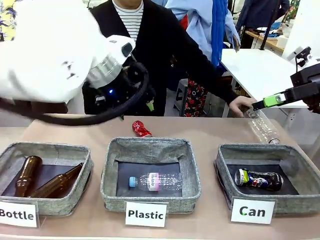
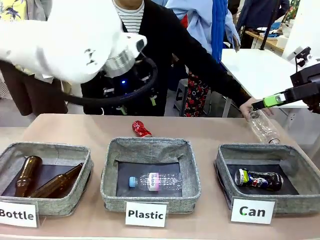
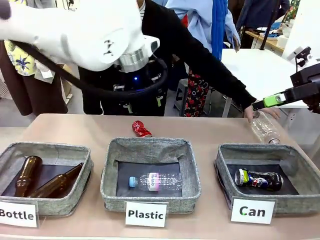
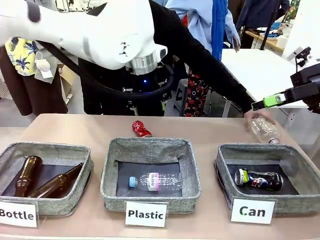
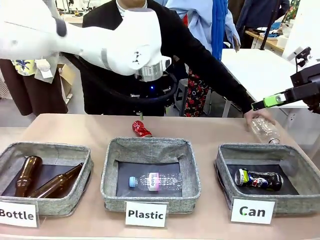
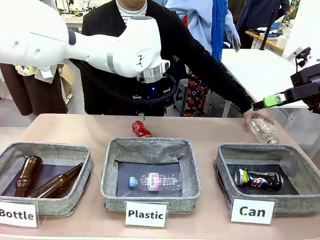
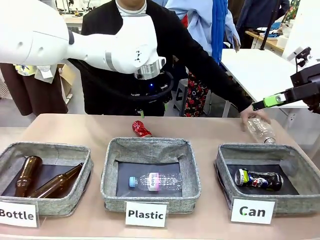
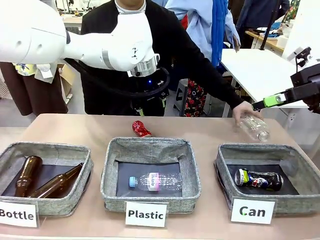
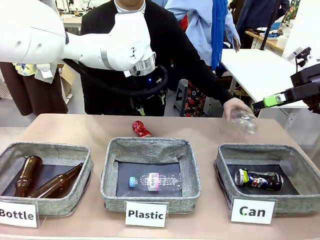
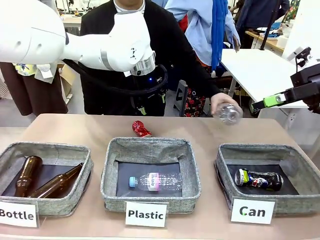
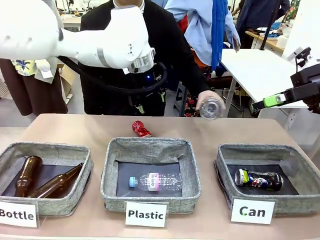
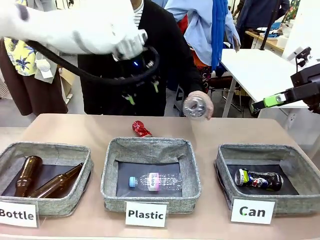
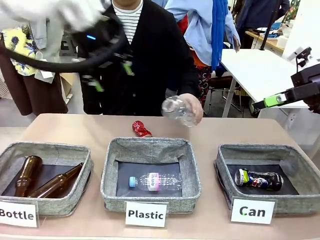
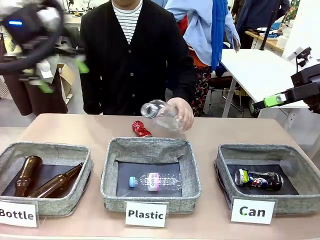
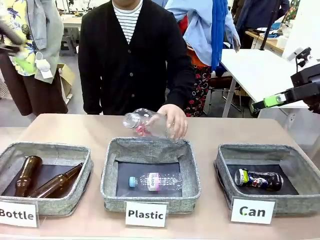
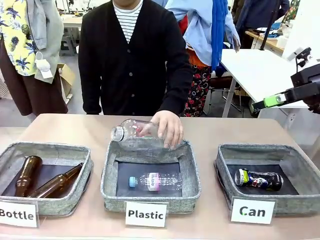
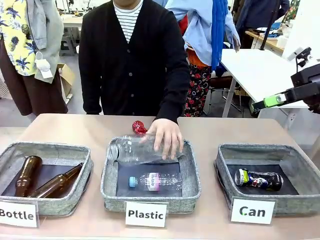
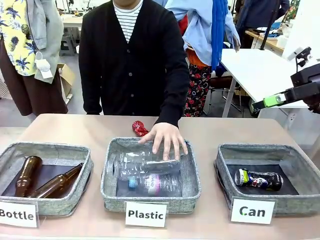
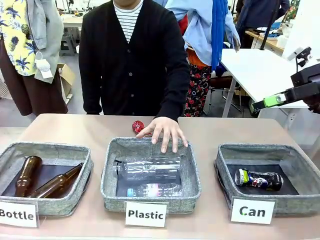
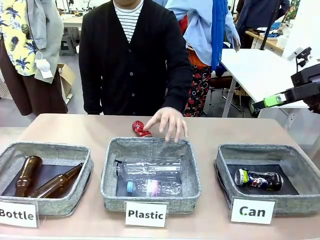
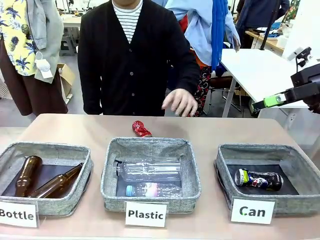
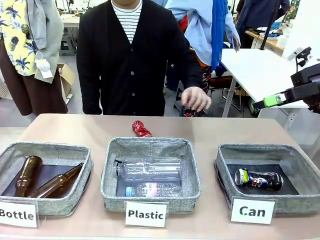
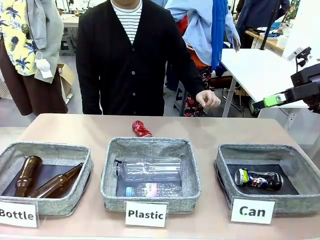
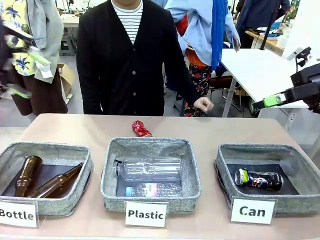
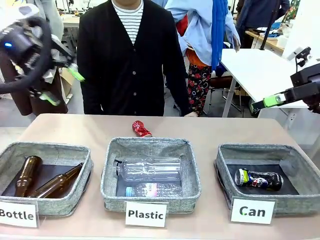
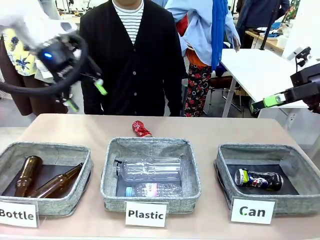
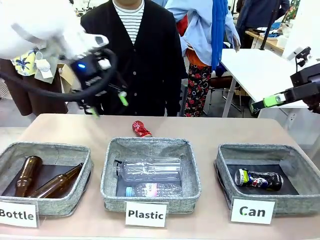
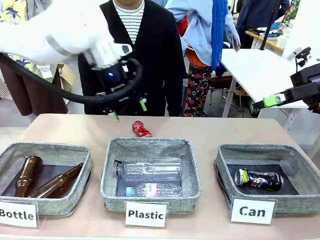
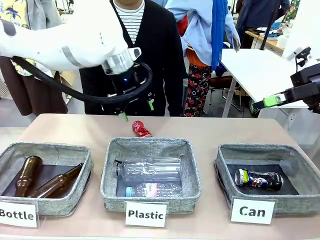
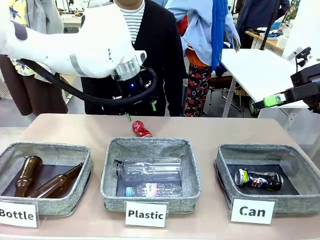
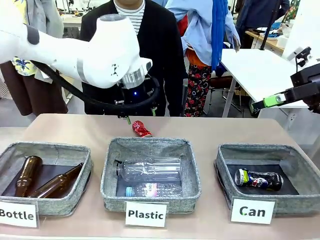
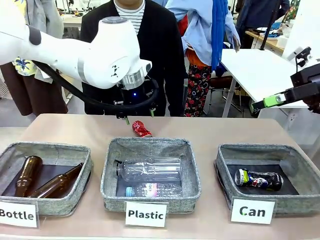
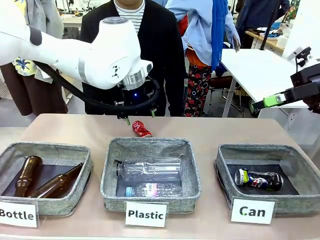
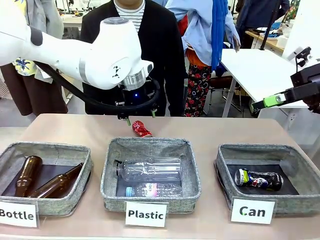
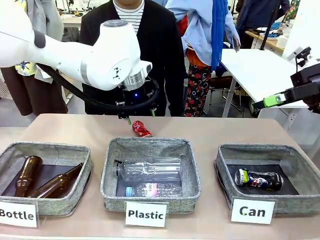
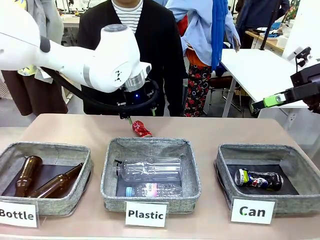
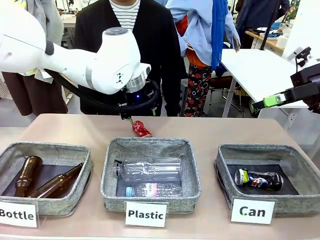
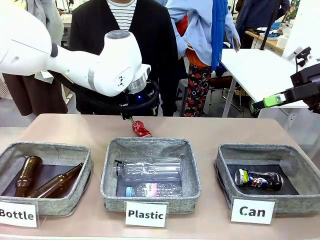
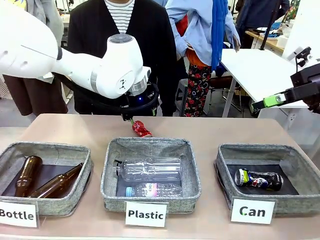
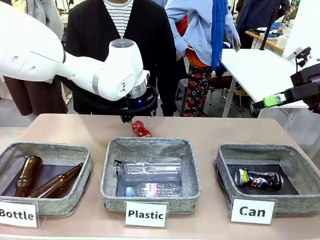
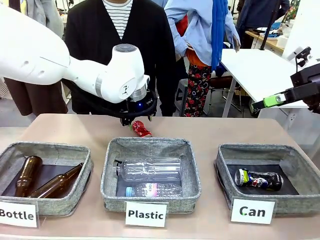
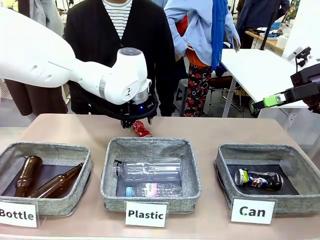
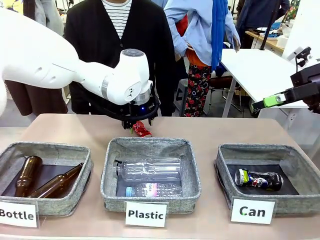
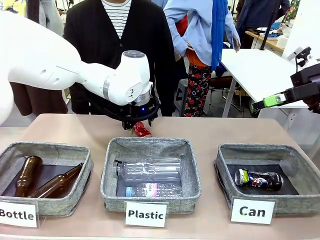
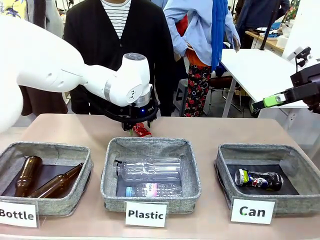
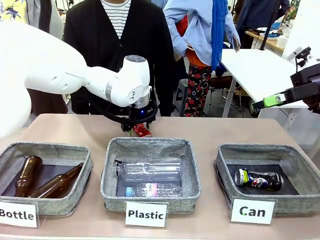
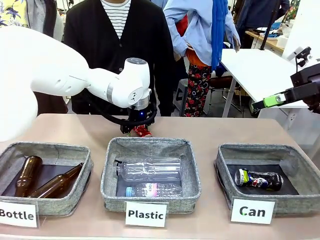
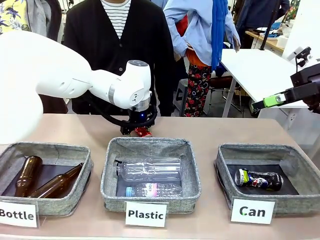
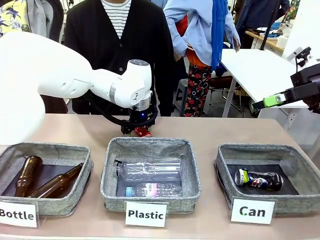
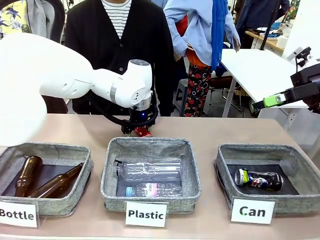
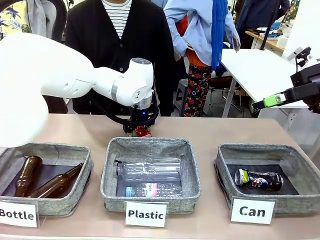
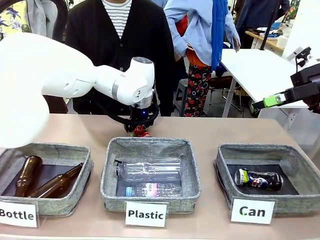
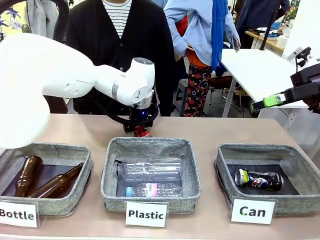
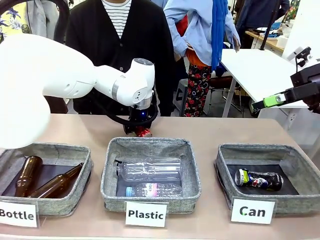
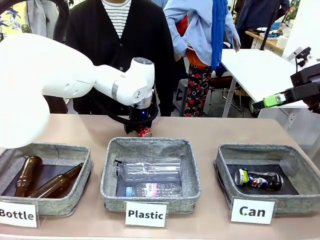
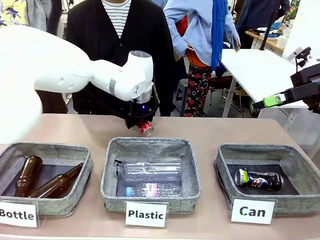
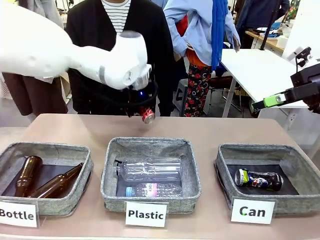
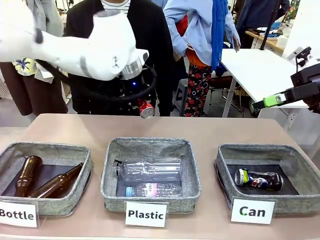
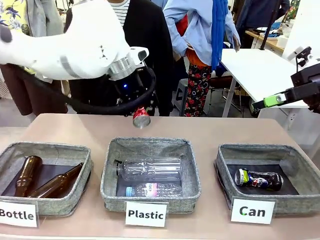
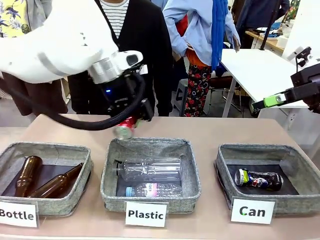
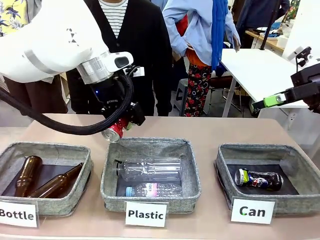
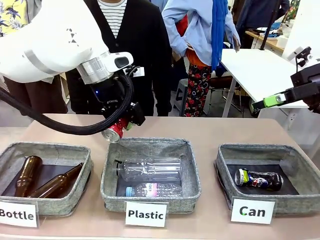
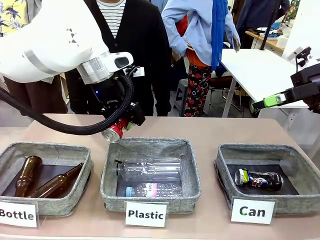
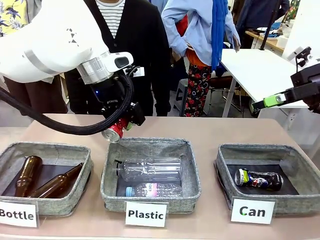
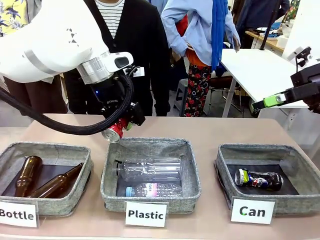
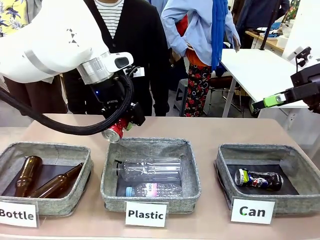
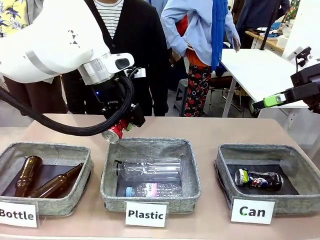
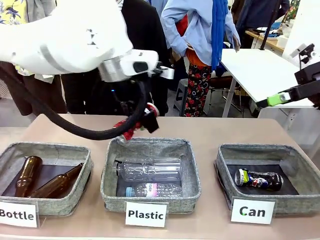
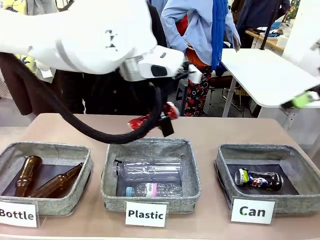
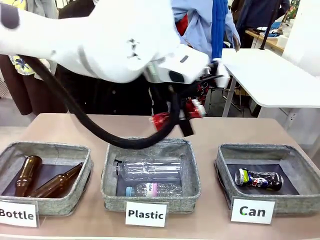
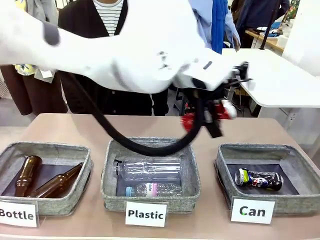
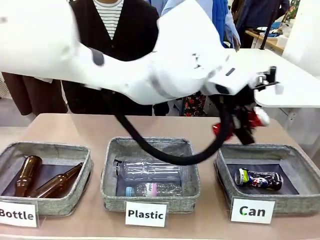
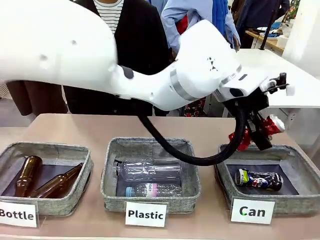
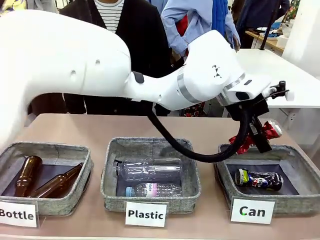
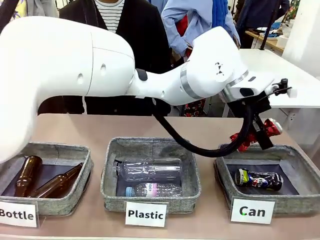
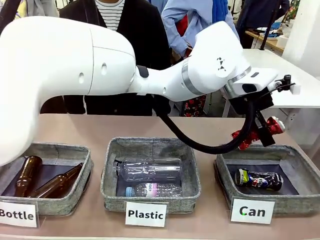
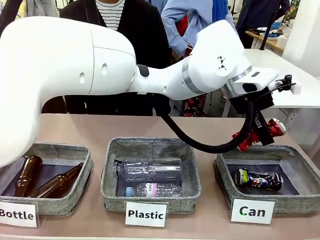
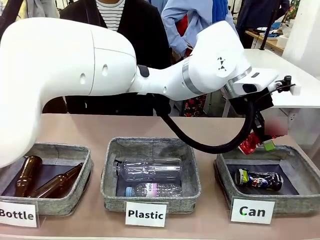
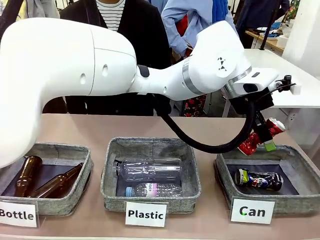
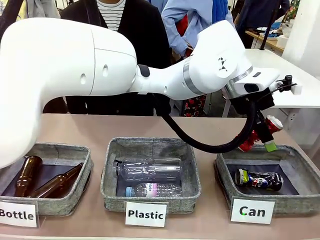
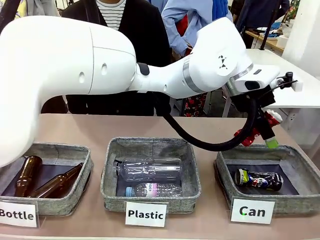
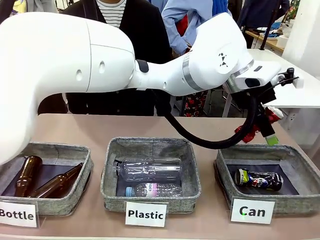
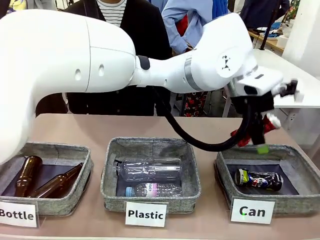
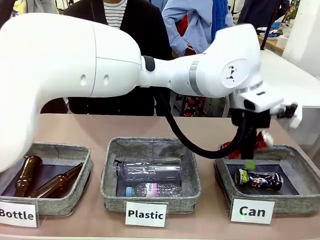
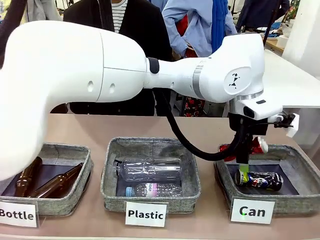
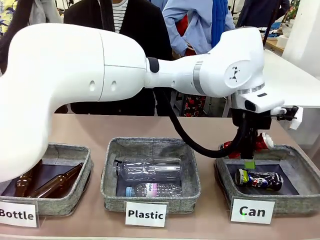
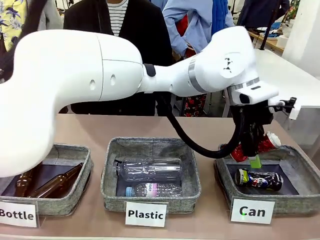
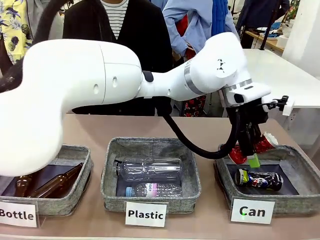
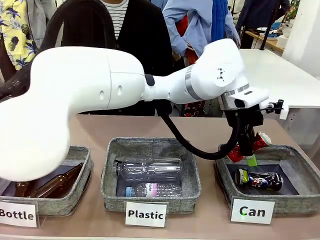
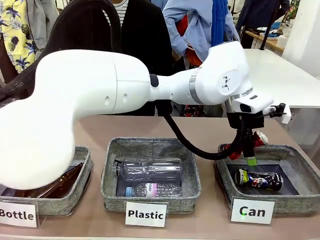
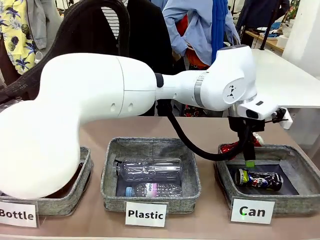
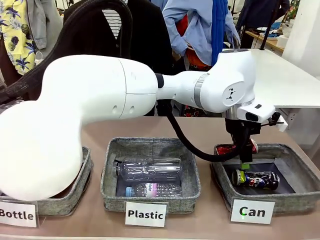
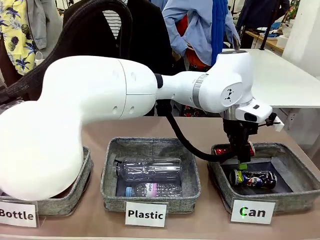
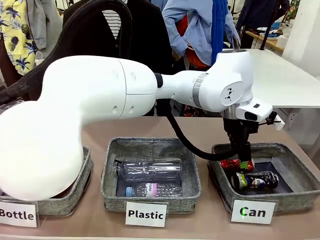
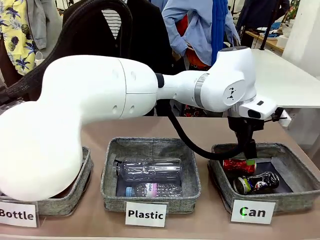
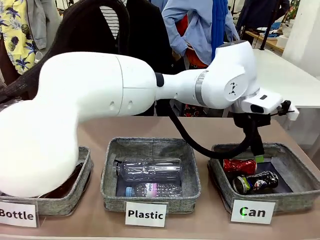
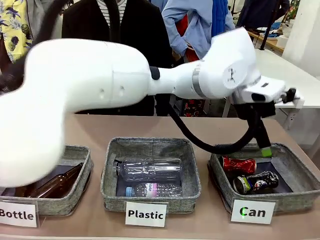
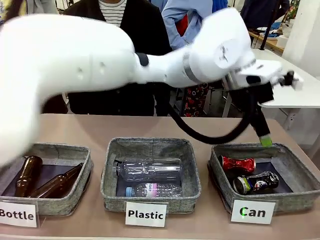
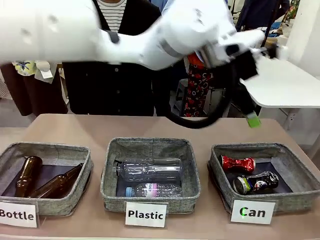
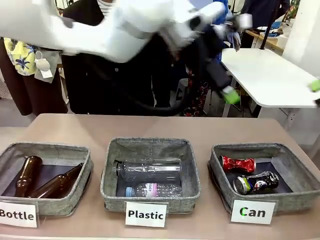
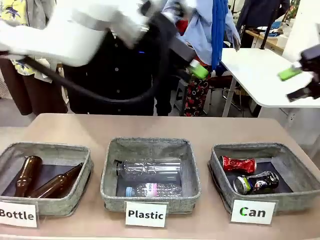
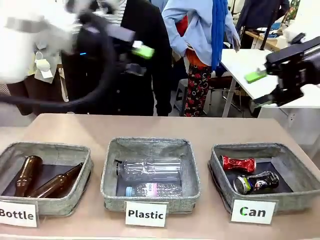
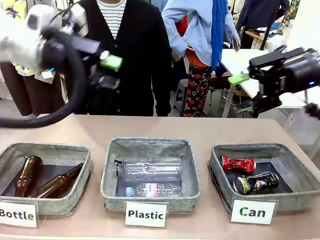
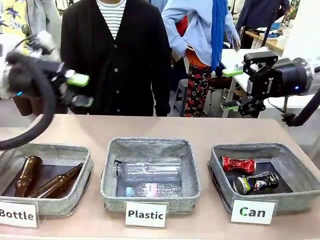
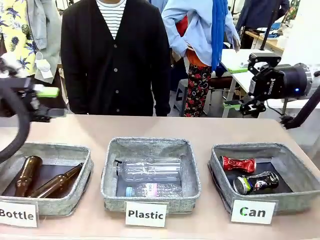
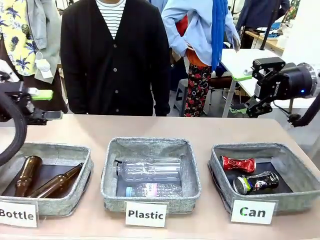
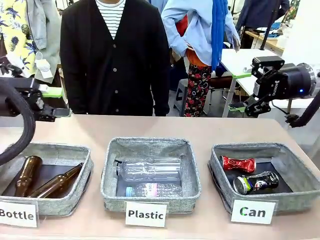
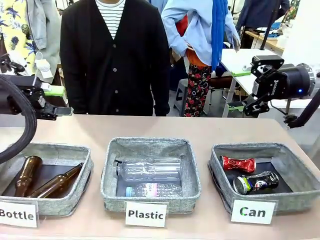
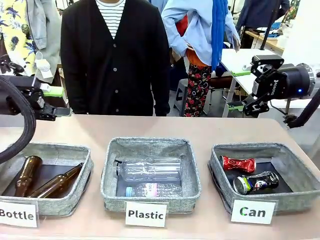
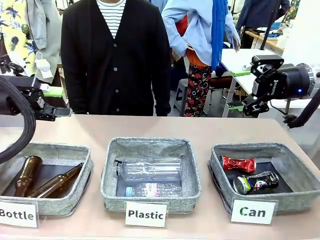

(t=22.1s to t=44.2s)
Task: Sort the can waste into the basket.
Robot: Pick up the can waste from the table and place it in the right Fabric basket.
